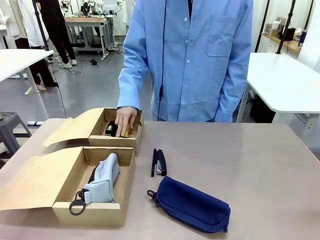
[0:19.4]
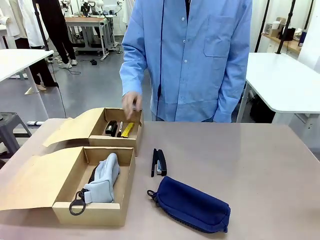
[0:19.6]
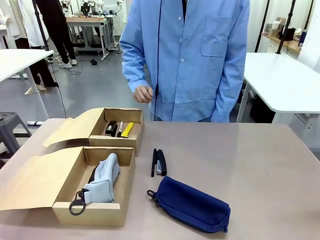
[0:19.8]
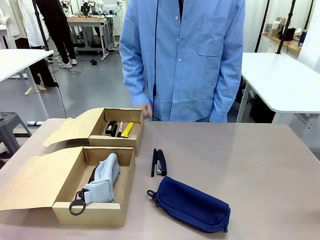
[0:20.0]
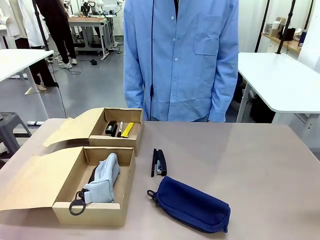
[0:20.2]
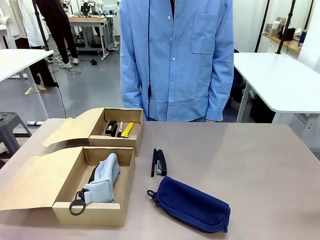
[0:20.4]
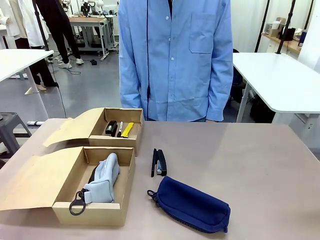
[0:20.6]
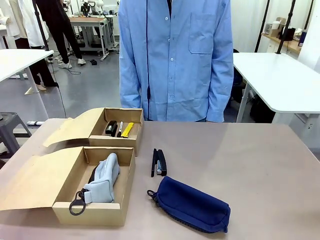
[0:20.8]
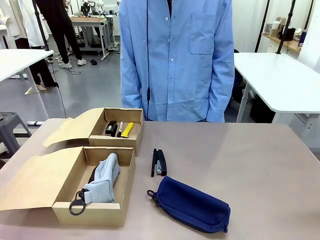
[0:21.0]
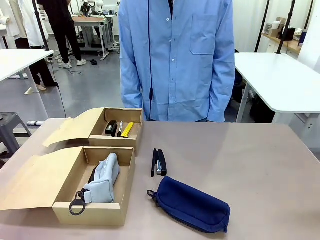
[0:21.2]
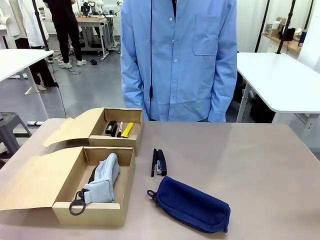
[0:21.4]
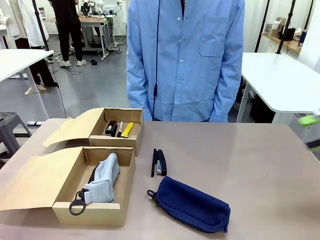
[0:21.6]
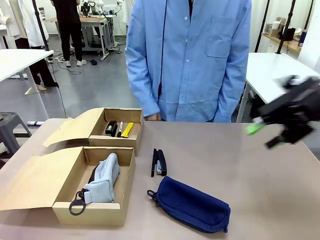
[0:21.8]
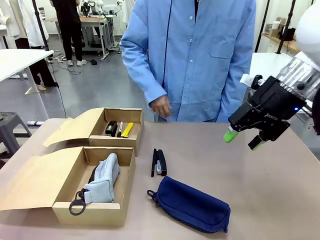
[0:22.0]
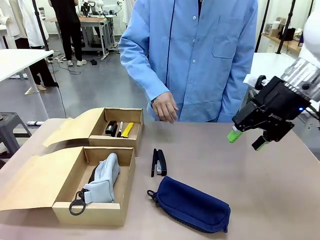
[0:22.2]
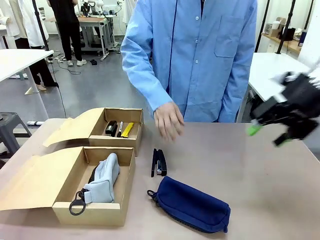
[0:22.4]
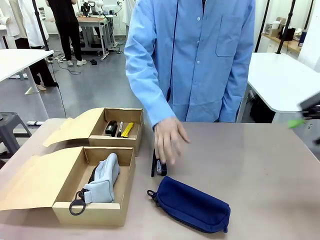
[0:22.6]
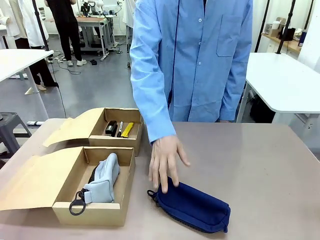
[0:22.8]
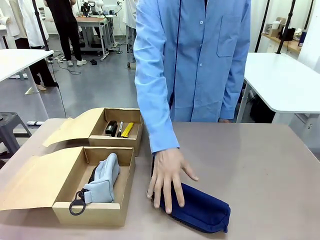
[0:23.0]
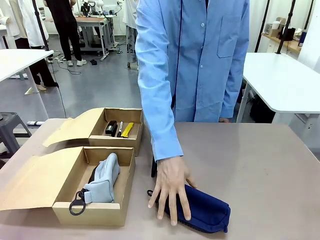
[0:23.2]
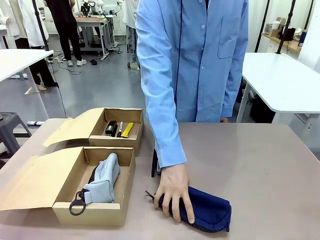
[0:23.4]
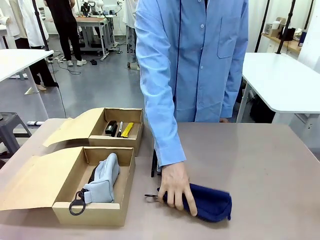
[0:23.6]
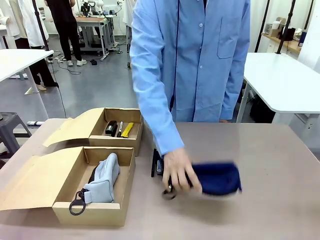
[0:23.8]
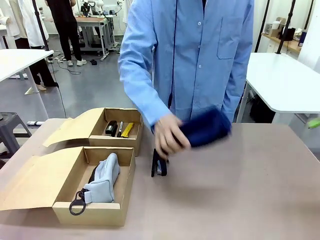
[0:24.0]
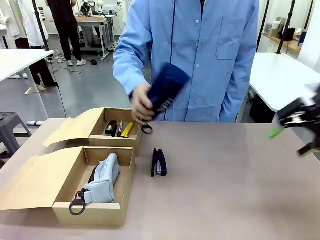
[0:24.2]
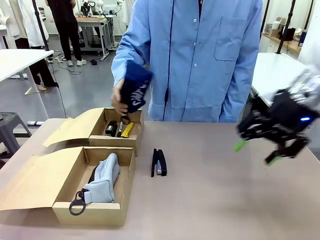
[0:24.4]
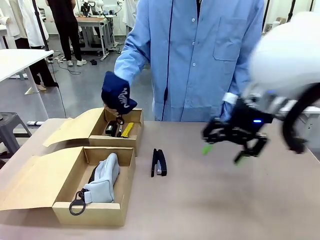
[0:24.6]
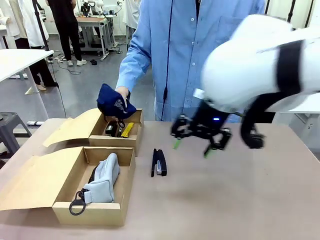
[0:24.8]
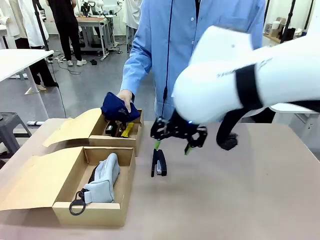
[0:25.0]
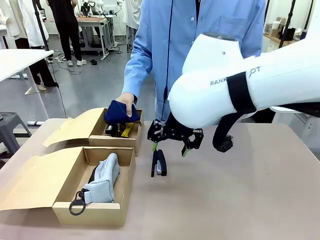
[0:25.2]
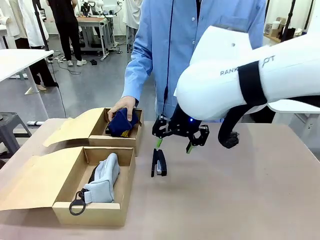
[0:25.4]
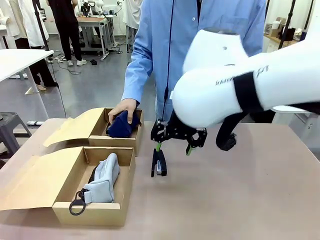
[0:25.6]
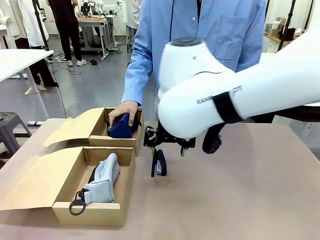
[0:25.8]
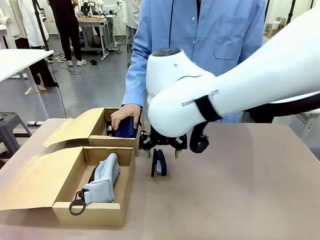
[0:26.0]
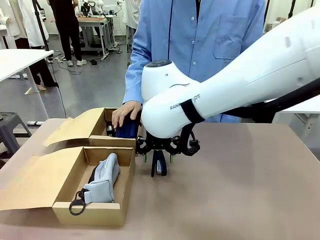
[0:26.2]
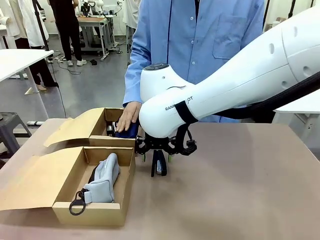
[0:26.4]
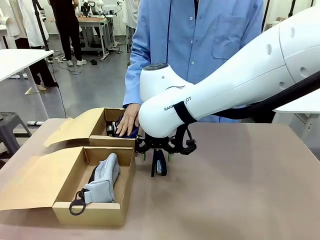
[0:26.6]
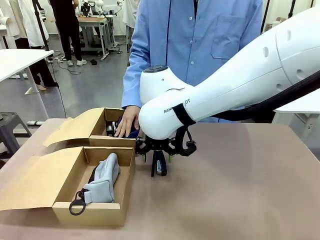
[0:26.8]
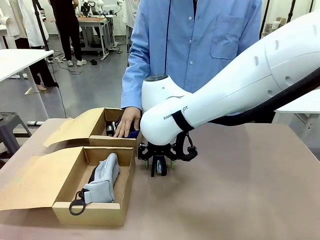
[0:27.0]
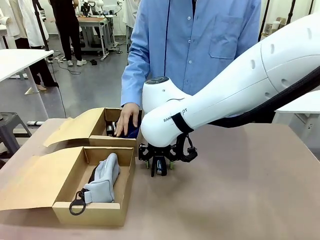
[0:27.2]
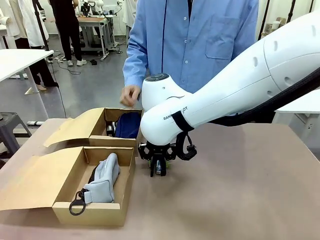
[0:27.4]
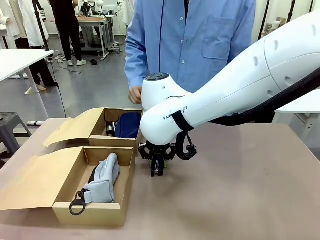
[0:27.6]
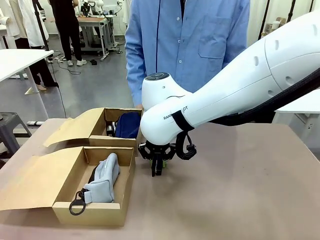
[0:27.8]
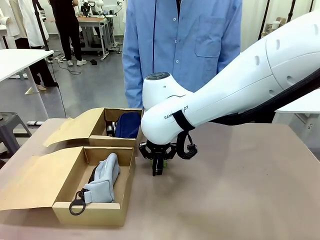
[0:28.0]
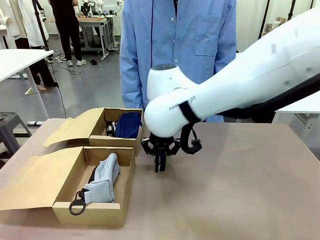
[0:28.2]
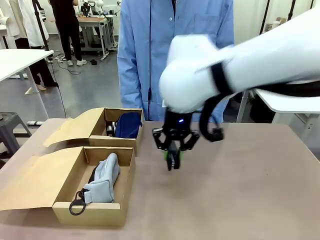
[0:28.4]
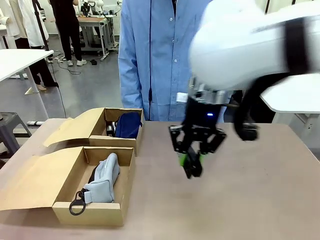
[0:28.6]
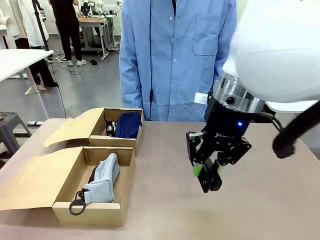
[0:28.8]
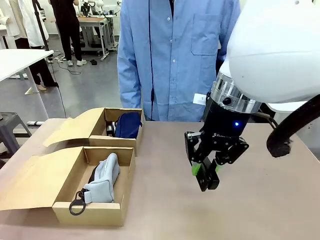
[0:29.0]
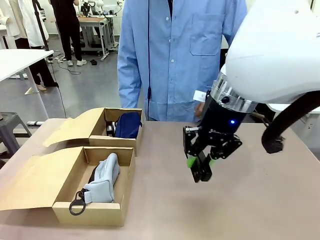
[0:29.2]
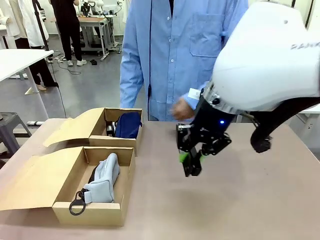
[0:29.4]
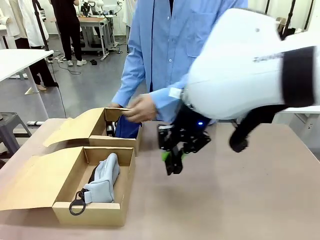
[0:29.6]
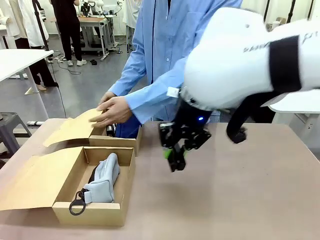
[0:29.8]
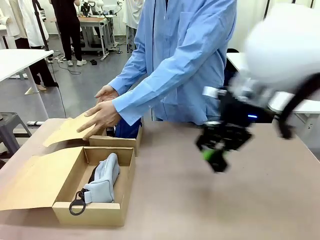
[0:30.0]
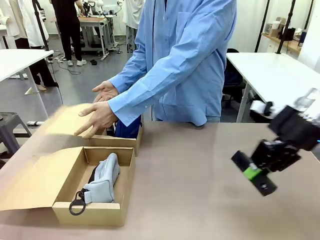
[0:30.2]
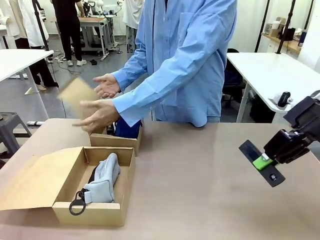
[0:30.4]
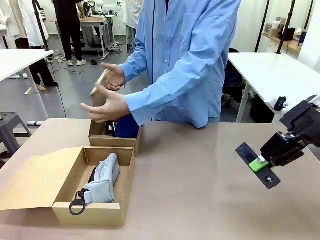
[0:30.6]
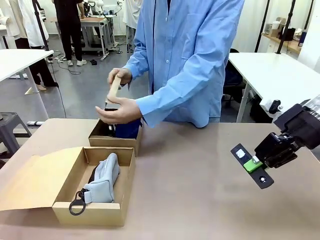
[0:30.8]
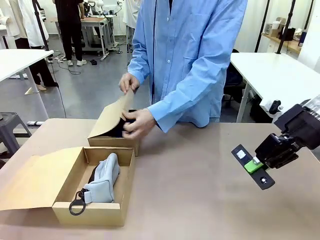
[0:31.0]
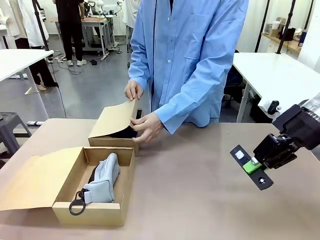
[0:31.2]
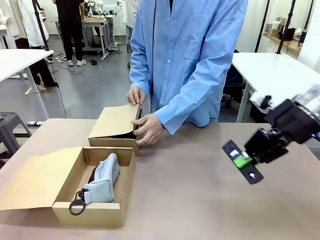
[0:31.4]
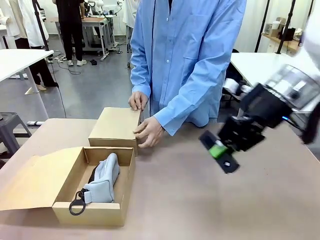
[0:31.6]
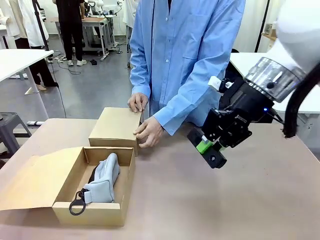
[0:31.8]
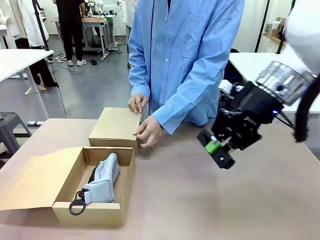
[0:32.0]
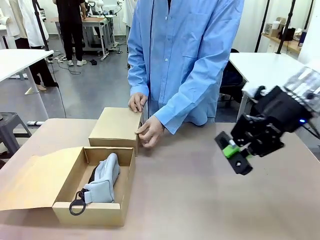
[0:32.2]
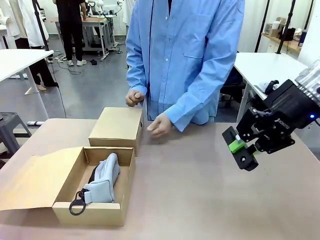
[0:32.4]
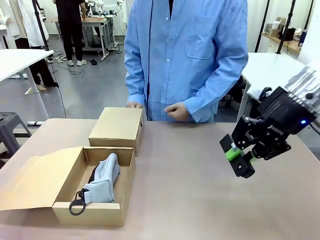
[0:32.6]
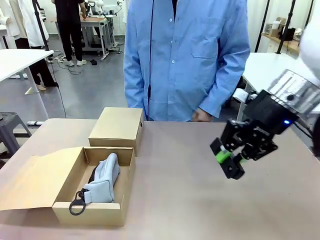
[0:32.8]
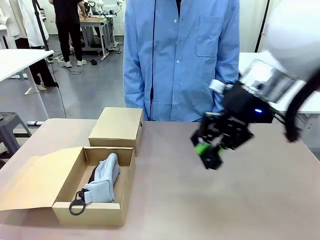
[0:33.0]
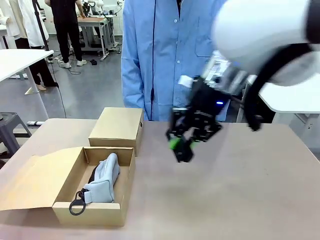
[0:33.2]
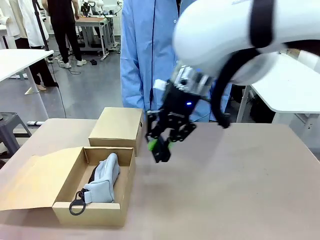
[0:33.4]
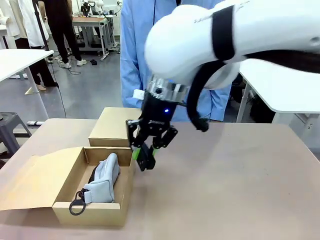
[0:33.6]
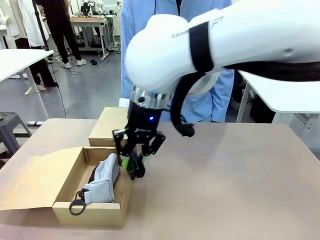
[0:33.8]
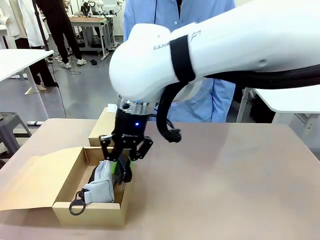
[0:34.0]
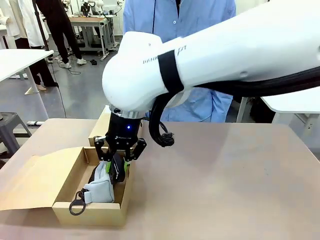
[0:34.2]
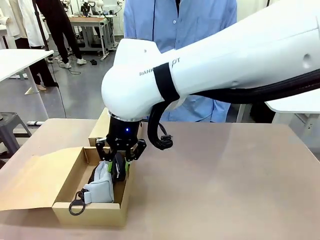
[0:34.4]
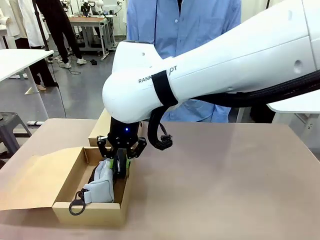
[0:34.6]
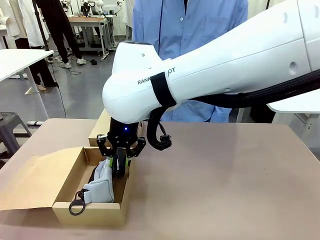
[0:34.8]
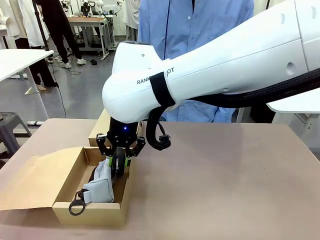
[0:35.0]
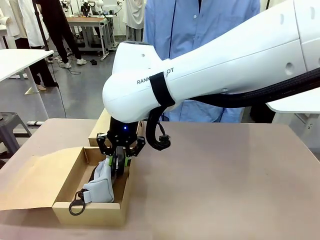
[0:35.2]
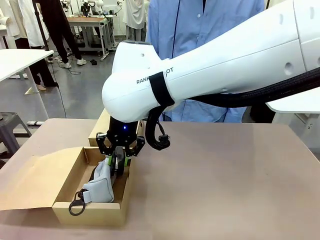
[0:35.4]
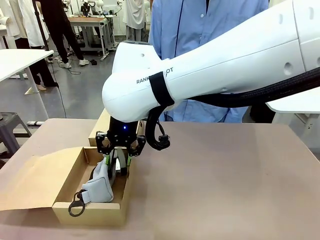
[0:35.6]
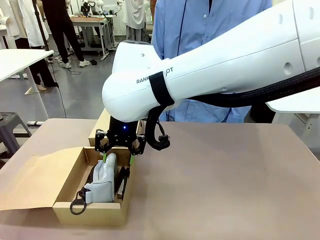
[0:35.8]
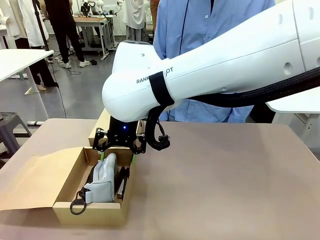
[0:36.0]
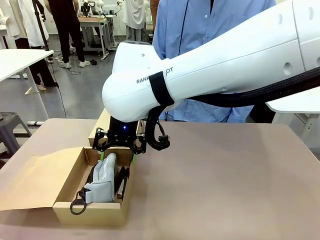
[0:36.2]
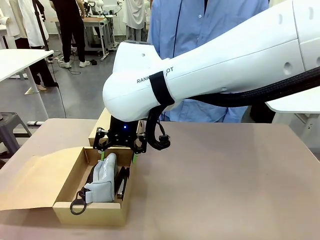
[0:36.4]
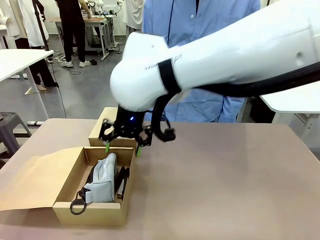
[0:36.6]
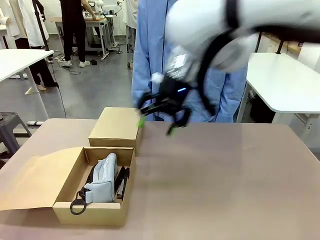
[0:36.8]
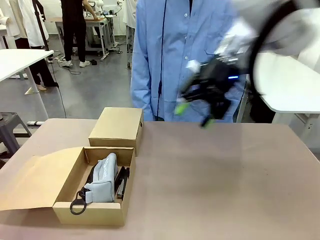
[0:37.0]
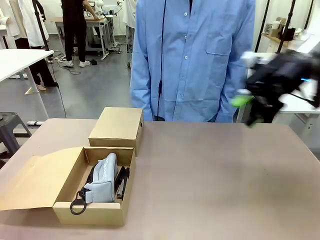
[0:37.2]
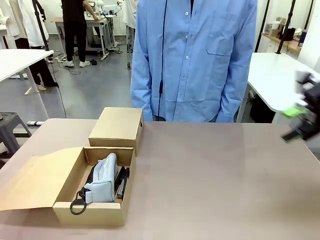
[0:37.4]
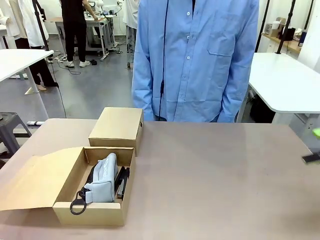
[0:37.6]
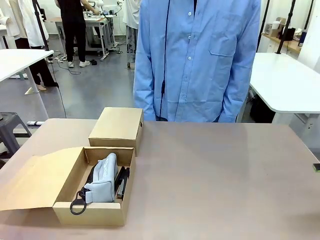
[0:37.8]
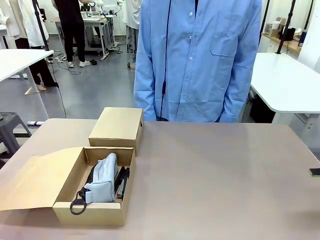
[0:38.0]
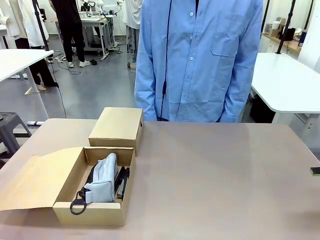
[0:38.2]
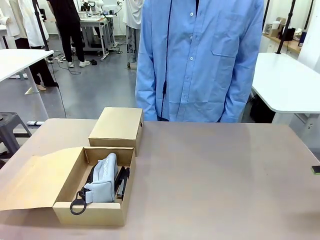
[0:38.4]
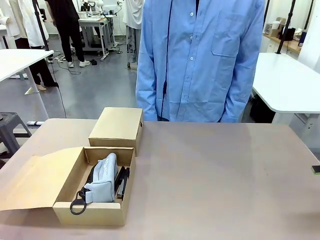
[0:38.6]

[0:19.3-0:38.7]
Task: Place items inside the box.
Robot: Pick up a Pencil pouch or Stapler and place it inside the Mailer Box closest to the robot.
